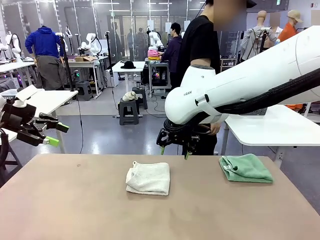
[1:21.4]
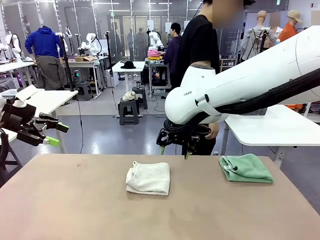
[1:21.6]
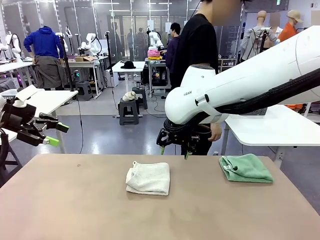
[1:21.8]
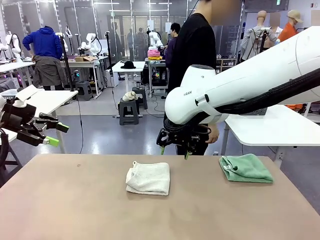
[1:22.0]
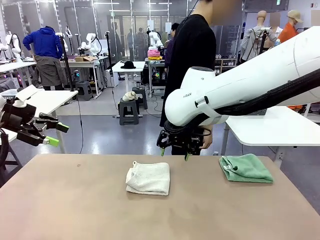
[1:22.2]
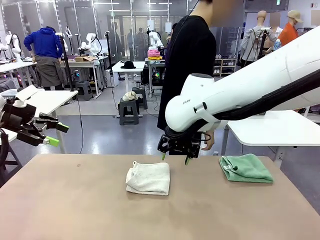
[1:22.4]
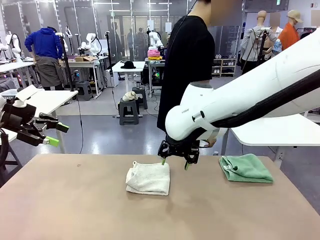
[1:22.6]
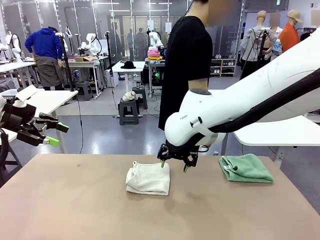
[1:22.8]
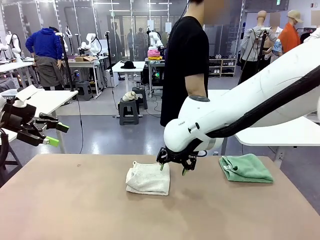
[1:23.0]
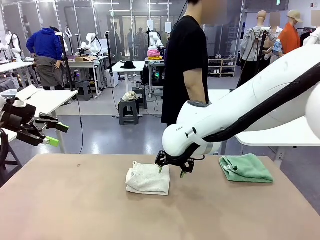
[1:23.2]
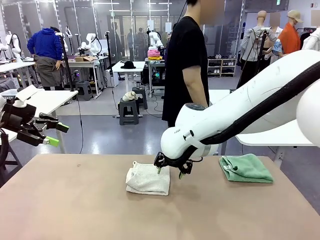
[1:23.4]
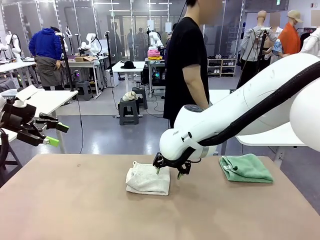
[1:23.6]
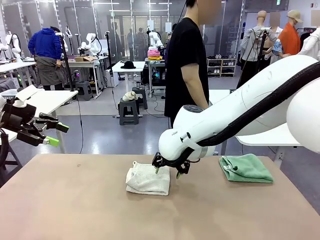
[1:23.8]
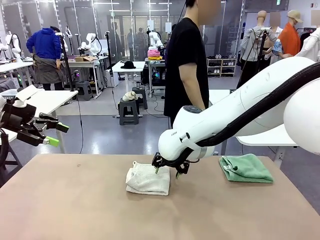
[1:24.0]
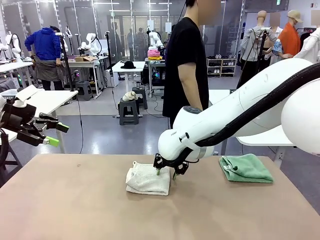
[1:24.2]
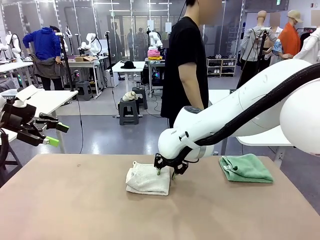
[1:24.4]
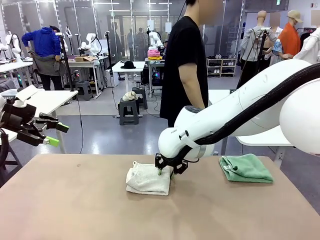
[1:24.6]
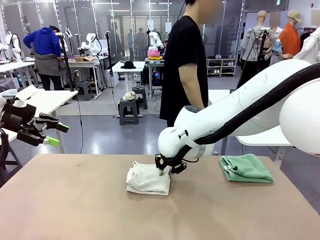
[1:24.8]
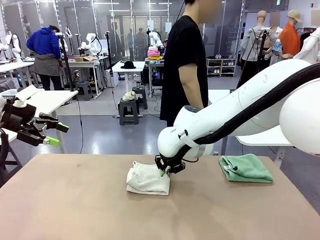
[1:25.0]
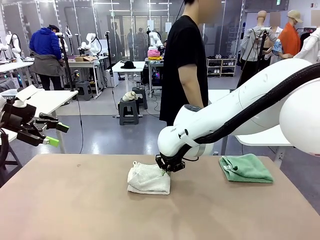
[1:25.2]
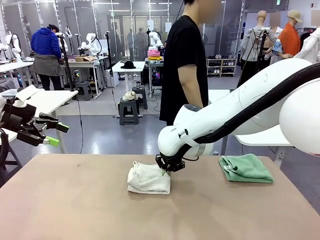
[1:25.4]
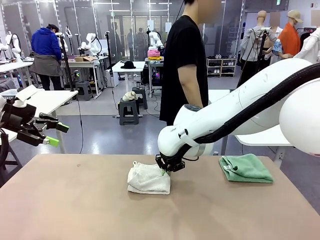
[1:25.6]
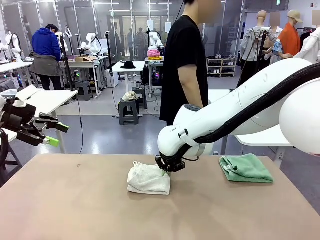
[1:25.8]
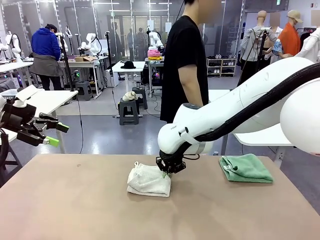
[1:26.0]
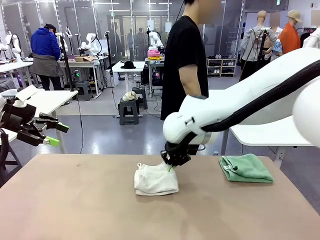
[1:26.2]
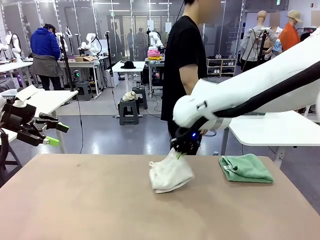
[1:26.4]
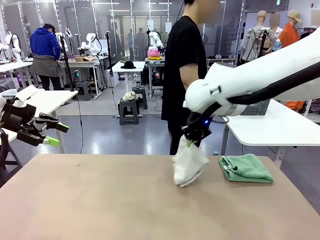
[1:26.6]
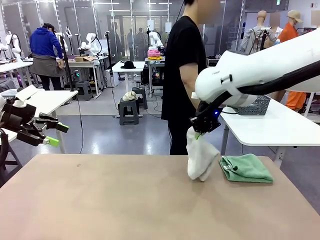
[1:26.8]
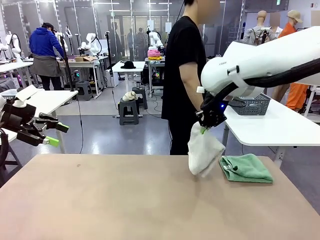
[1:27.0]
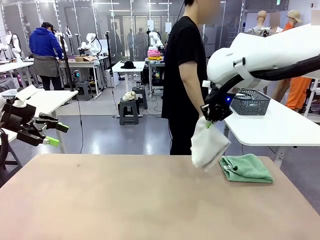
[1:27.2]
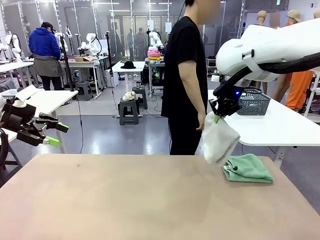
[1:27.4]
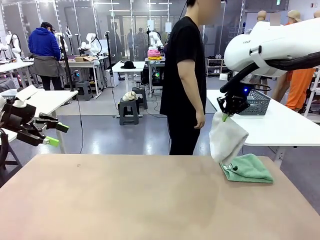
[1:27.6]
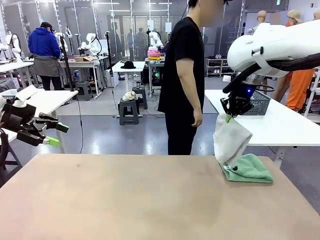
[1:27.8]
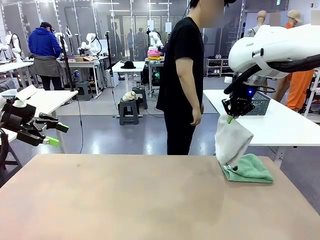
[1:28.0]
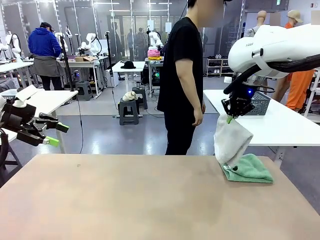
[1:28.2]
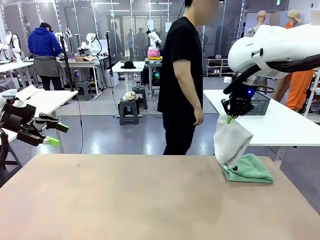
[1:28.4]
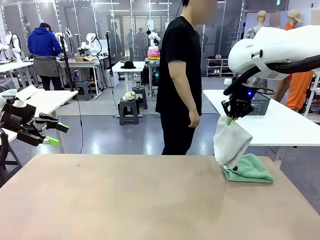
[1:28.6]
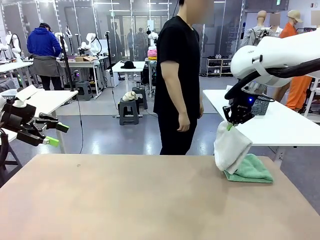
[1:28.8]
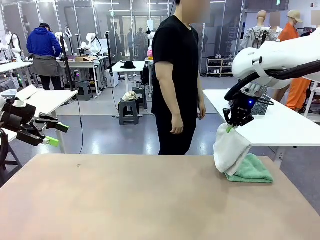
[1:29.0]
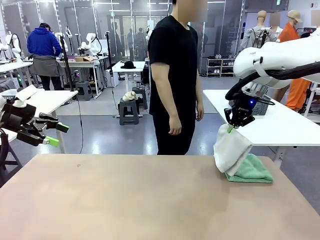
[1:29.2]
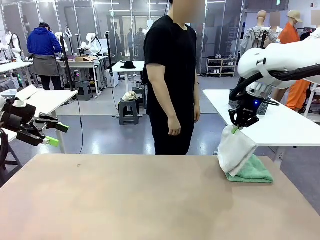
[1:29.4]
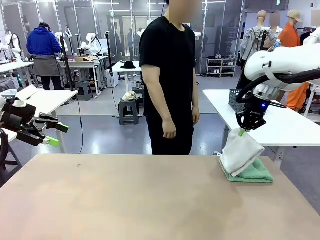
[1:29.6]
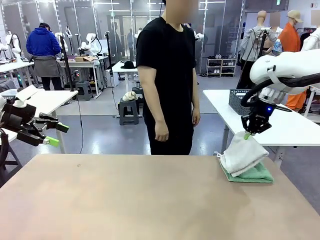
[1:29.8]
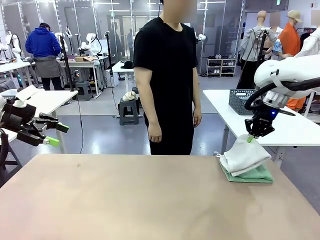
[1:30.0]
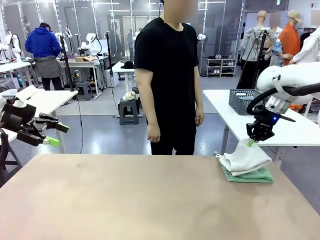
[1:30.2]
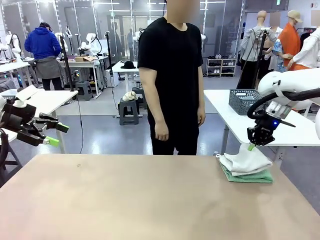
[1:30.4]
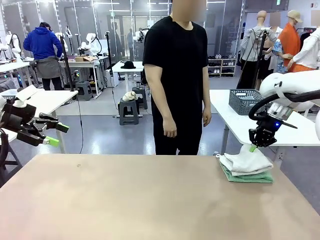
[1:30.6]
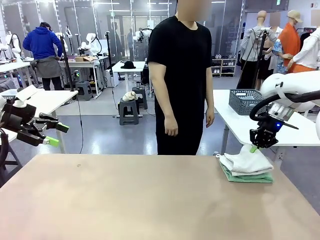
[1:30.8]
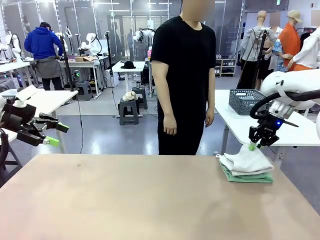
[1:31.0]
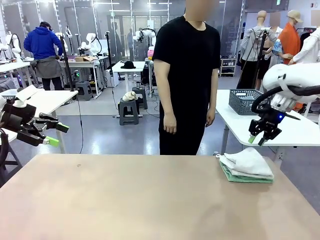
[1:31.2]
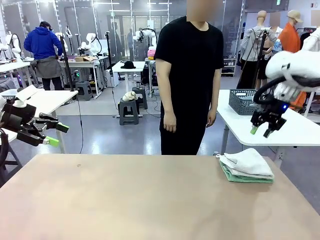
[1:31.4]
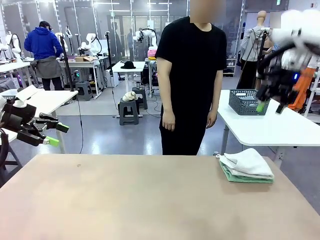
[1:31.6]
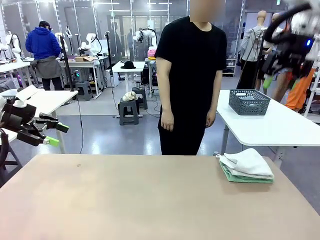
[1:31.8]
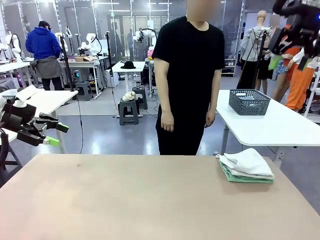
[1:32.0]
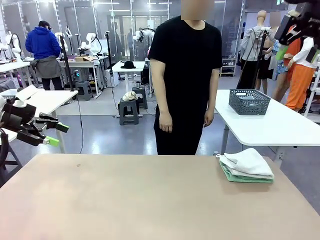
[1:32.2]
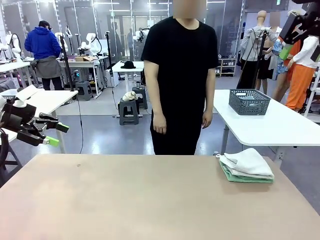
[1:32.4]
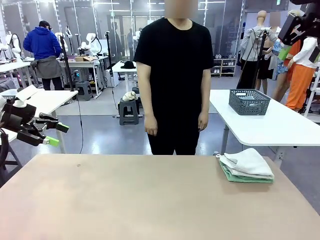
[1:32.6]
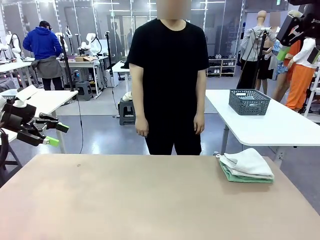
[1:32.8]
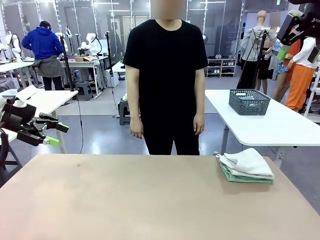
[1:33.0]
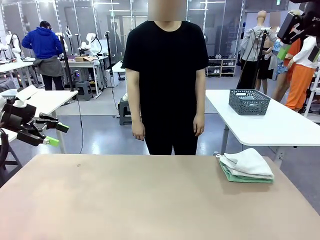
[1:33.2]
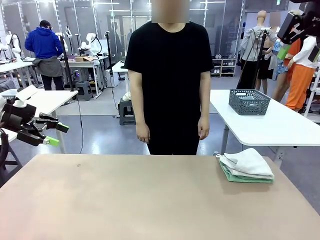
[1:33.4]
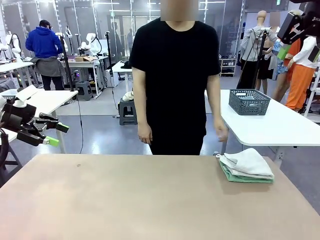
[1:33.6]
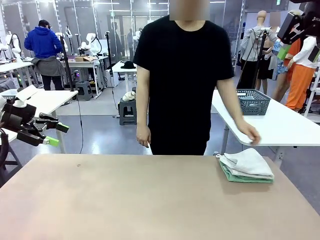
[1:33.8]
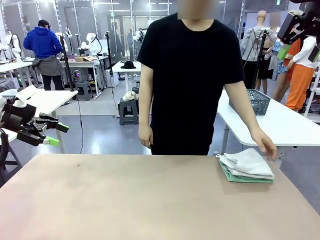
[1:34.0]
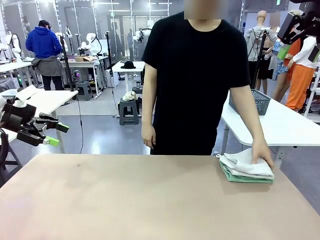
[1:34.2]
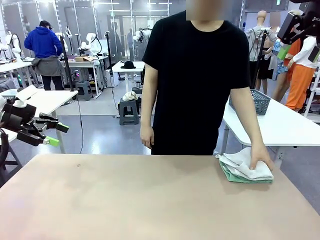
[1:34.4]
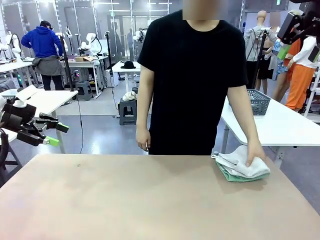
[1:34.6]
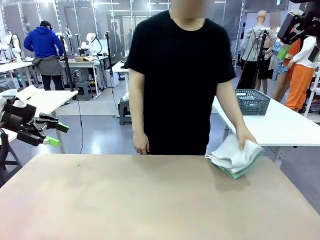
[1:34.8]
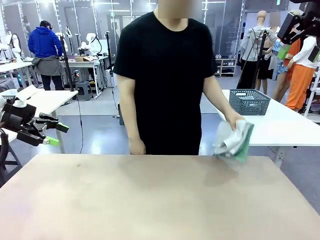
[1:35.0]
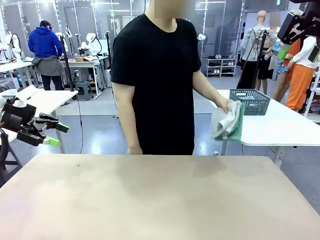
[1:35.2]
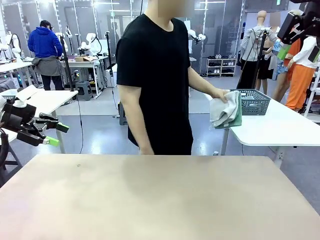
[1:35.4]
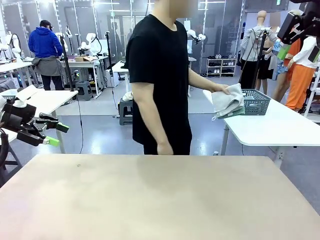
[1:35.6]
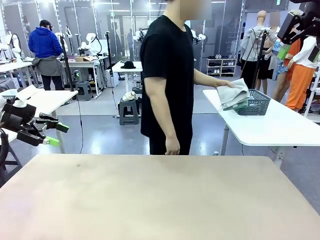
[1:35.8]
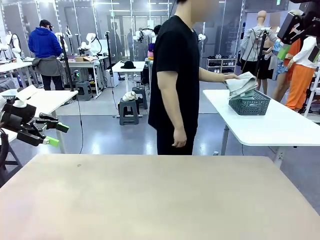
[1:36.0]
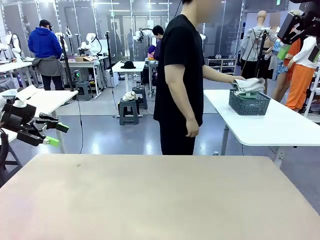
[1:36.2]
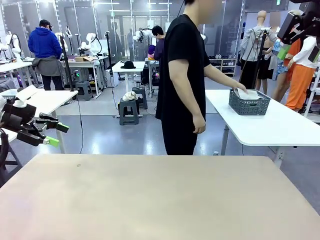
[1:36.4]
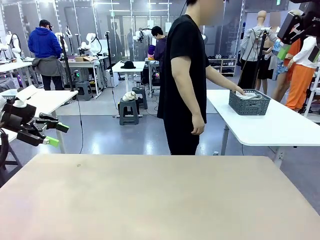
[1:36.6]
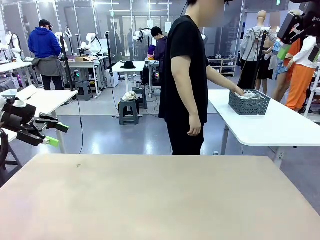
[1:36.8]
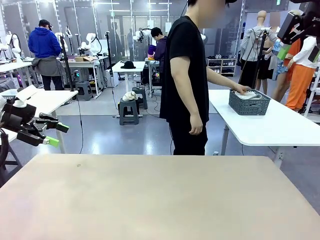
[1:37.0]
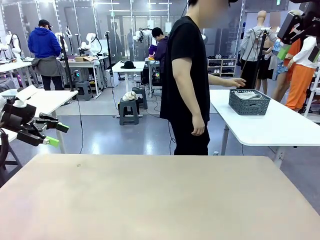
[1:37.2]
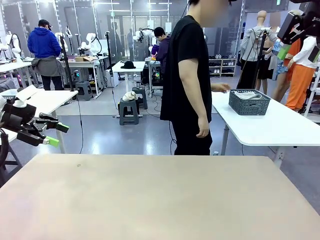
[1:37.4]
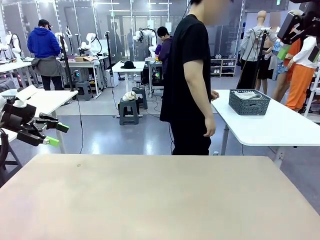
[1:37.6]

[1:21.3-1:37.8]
Task: Fold the towels and place them in the basket.
Robot: Stack the folded Towel with hook on the right side of the table.
Person: Pick up the stack of towels from the robot table and place it into the basket.
